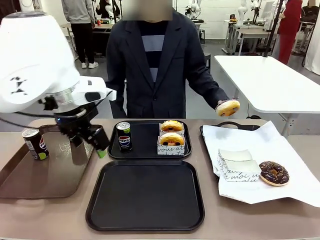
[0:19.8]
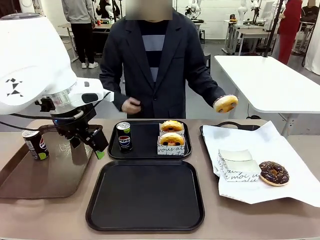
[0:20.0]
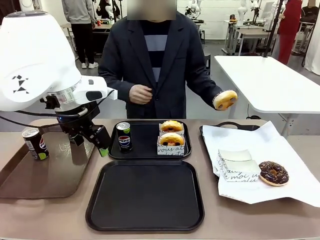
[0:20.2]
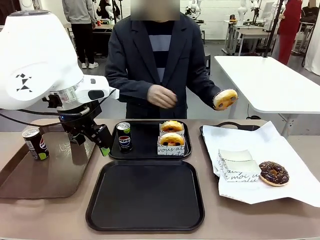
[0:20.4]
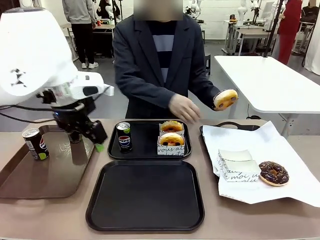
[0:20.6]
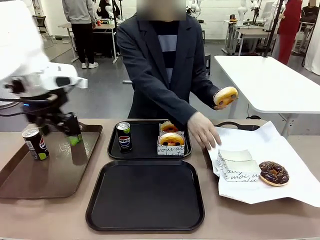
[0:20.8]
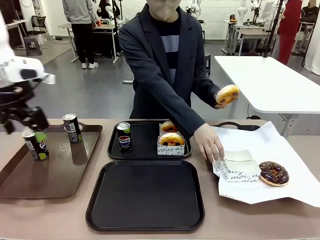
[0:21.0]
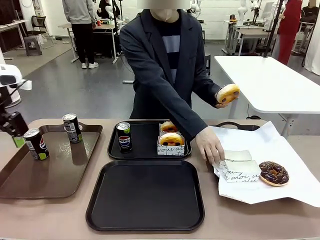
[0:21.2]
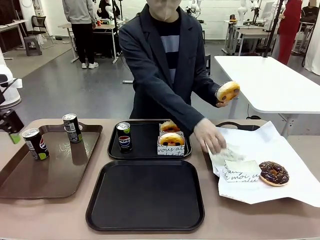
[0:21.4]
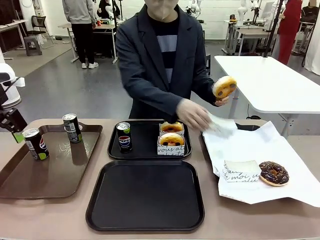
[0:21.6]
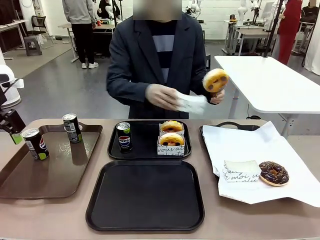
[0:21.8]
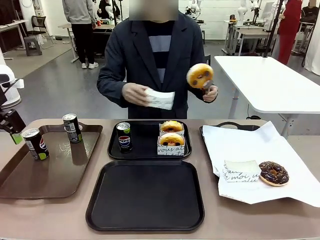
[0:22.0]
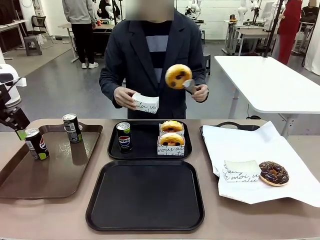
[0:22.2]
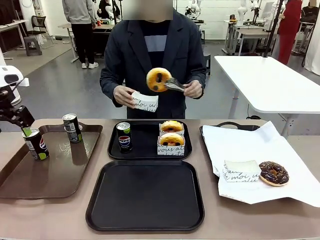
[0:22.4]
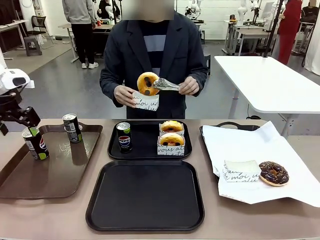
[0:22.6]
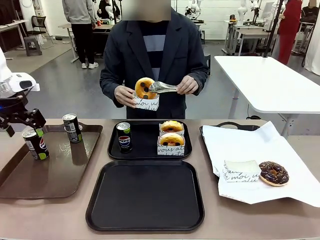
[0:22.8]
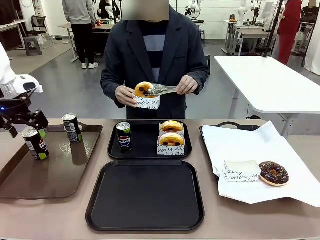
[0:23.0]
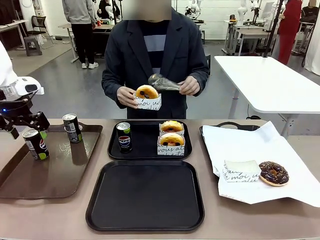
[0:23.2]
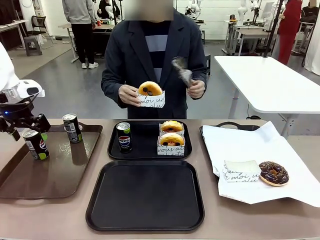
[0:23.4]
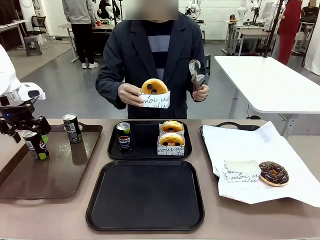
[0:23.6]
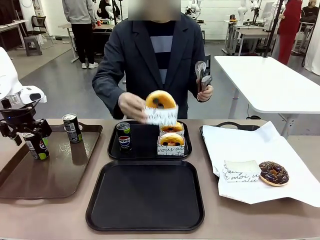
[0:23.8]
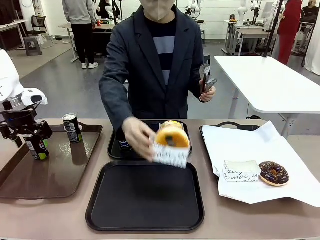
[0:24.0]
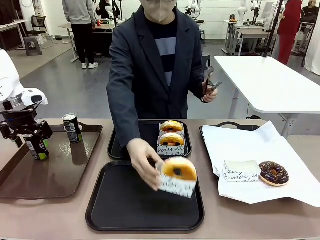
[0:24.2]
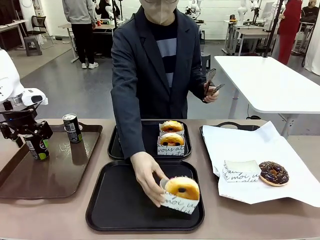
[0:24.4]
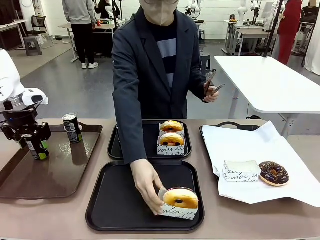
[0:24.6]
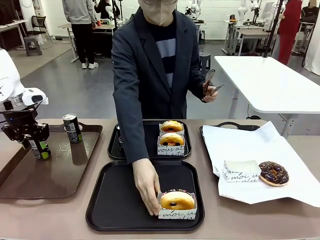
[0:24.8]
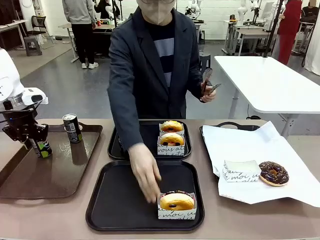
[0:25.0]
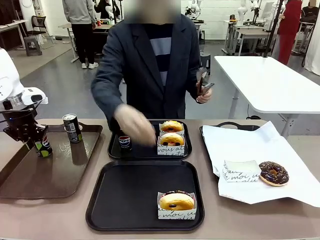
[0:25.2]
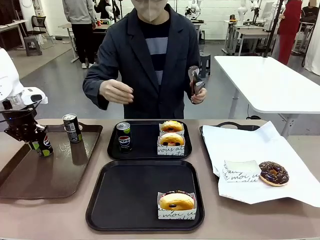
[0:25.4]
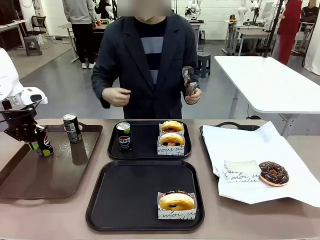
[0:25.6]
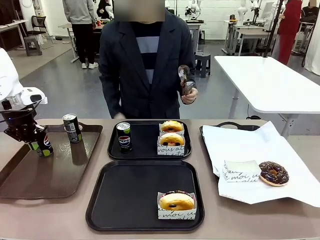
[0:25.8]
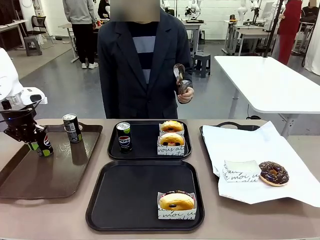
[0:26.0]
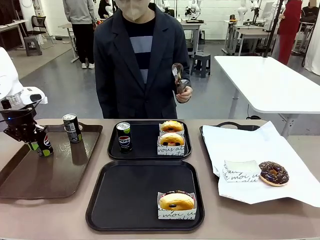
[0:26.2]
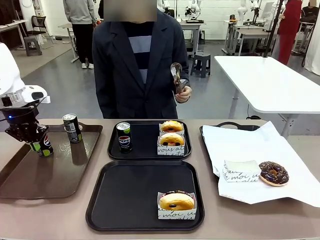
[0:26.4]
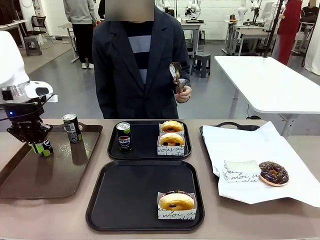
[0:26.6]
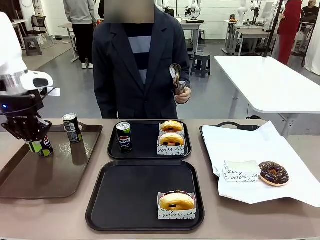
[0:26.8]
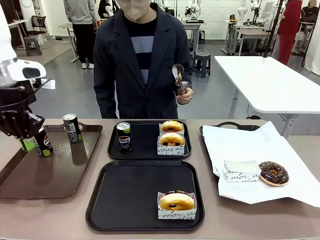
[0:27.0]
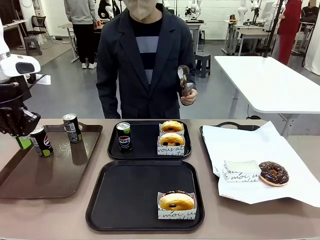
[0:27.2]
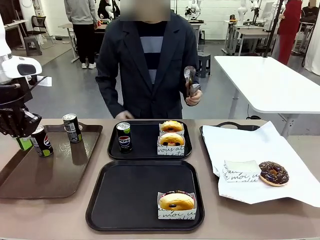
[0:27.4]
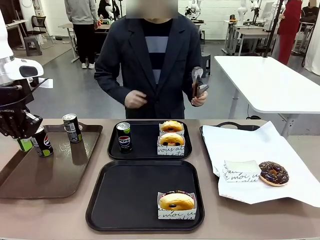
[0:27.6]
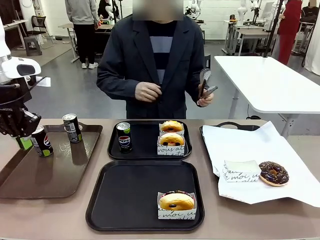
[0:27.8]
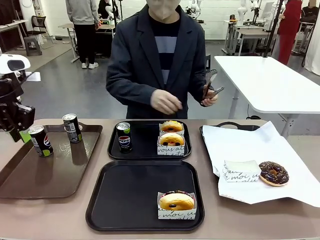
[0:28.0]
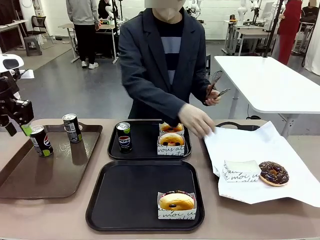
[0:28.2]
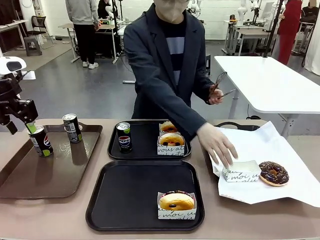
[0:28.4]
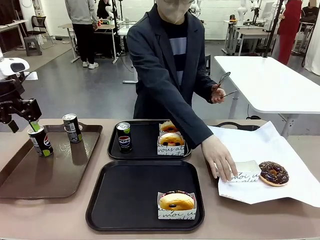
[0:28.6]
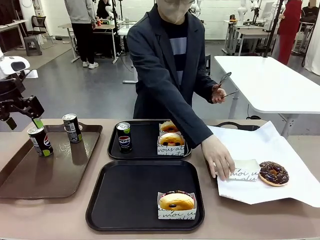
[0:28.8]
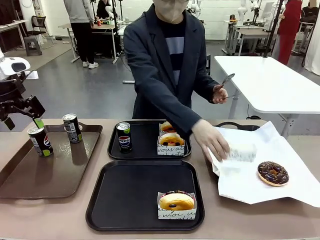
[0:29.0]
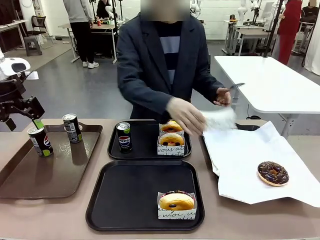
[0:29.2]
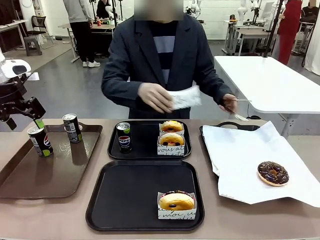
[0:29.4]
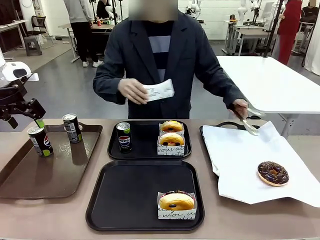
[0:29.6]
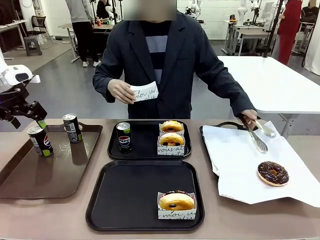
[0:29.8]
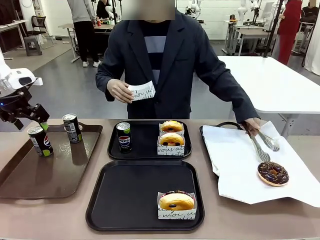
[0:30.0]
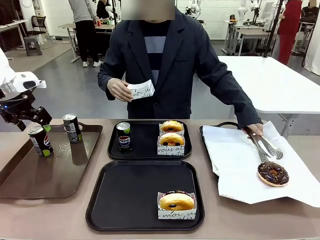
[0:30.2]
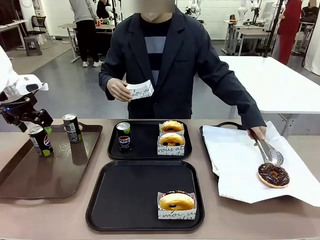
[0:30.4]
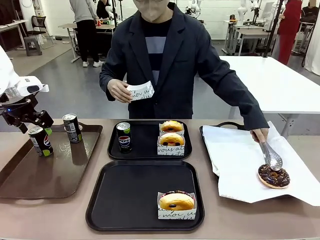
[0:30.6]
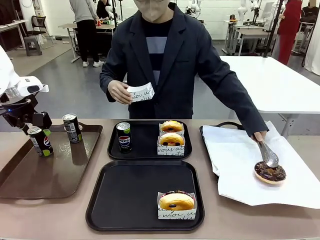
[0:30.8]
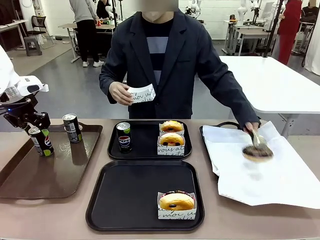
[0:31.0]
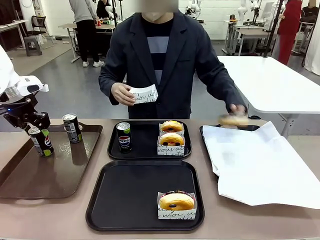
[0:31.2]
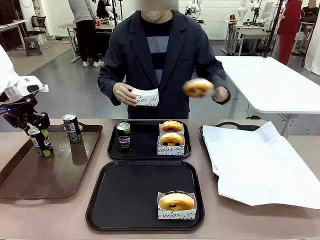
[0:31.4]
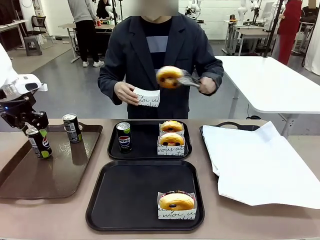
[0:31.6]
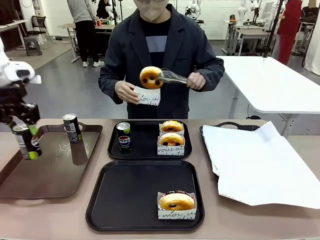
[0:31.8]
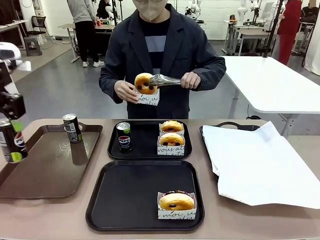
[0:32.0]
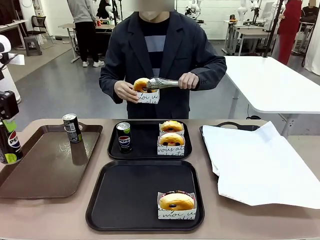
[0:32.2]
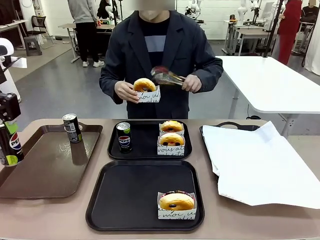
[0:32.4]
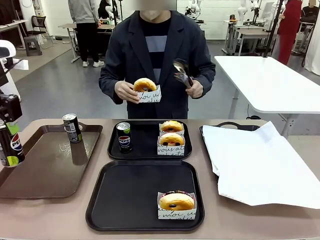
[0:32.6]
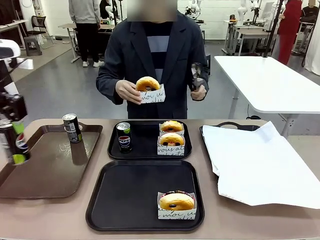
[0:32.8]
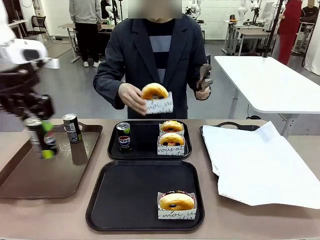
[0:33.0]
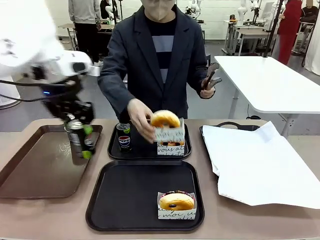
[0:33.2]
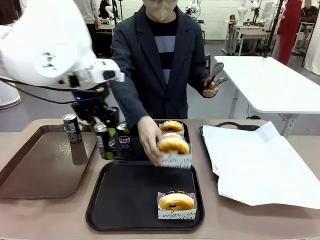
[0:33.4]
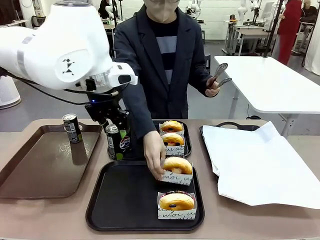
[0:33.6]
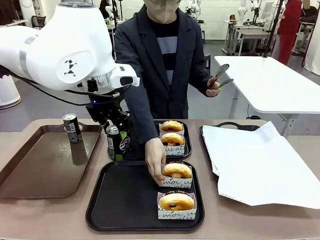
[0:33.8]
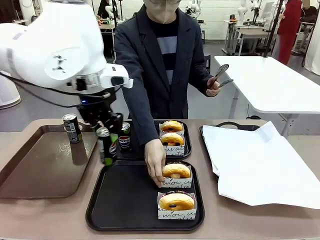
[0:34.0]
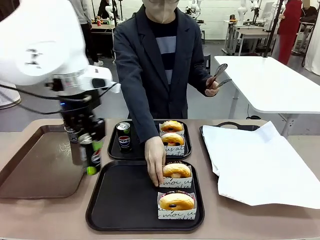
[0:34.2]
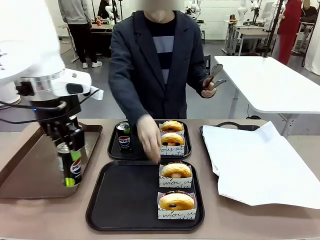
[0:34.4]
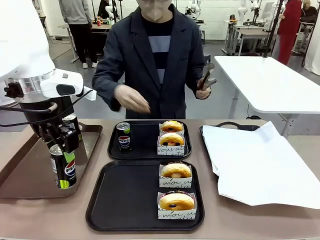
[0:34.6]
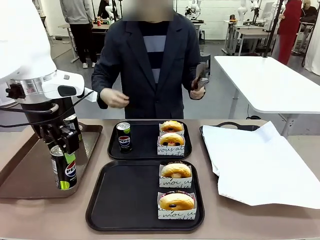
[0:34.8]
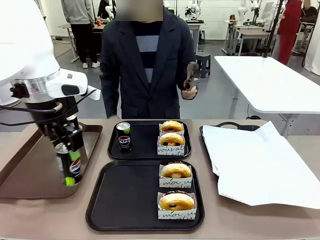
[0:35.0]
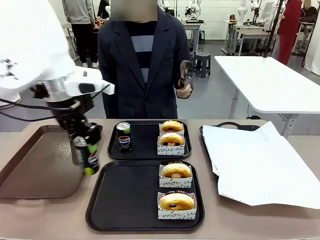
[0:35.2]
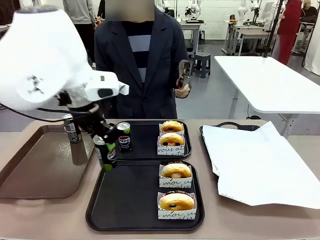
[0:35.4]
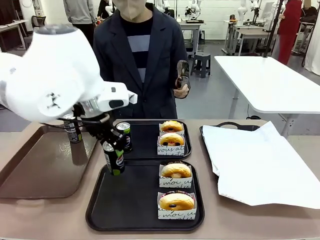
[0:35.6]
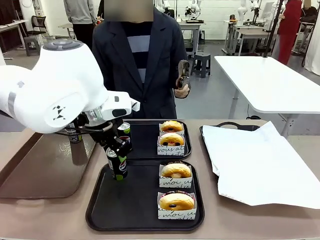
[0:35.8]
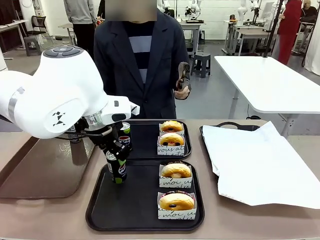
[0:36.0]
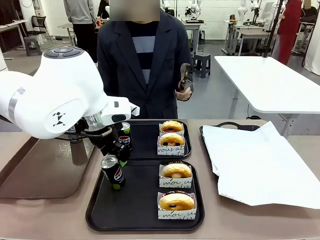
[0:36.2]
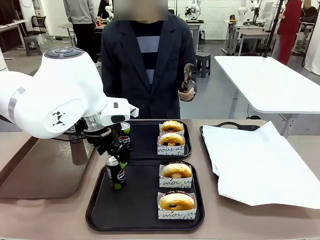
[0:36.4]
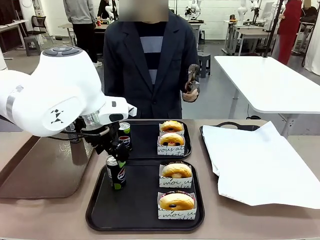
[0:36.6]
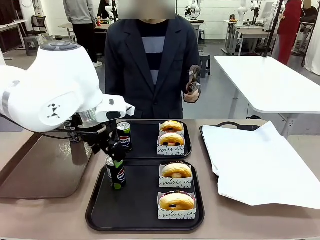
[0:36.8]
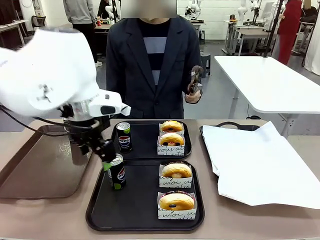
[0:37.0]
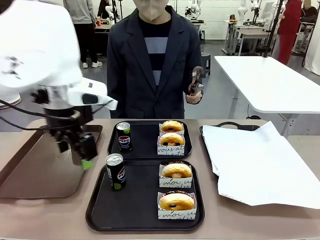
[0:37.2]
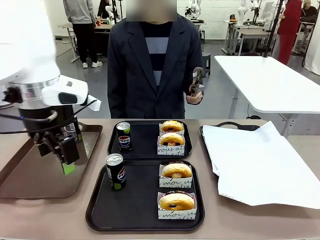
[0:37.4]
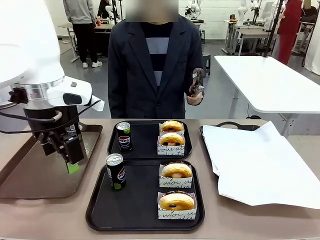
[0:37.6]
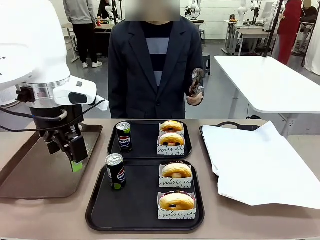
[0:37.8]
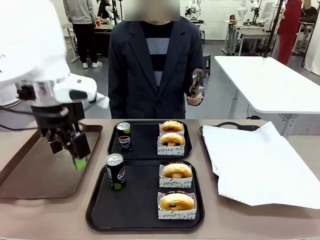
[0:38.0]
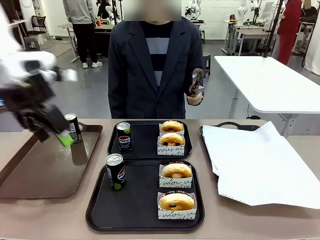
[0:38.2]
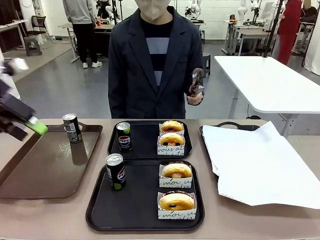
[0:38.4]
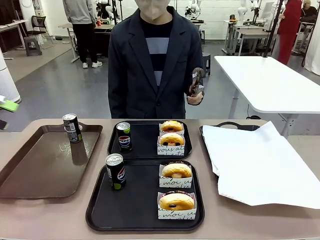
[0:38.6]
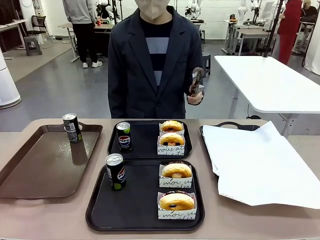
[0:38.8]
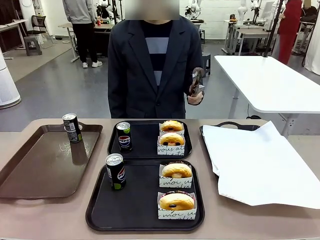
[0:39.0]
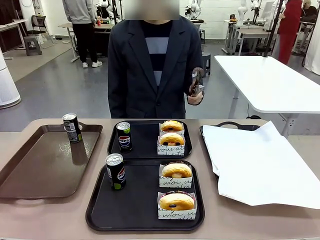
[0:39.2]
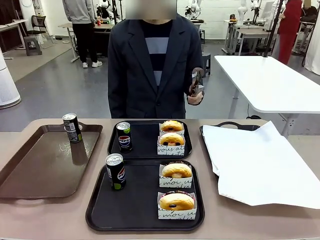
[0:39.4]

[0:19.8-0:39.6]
Task: Set up donuts and drinks on trays.
Robot: Pick up one Pepsi coke from the Handle tray and place it on the Flat Tray without a Pepsi coke.
